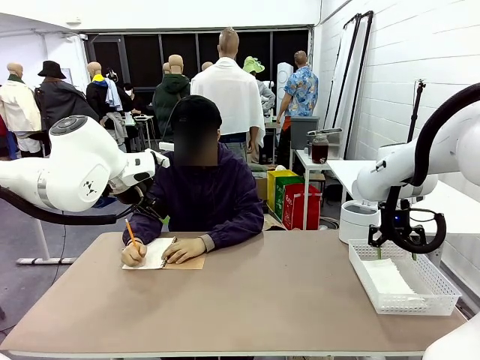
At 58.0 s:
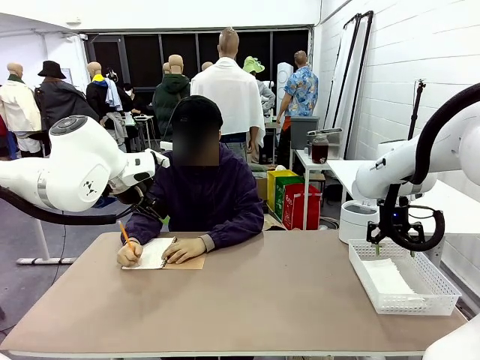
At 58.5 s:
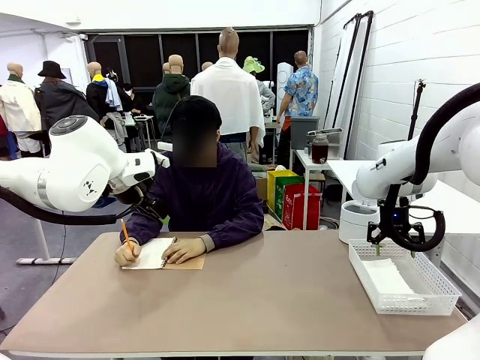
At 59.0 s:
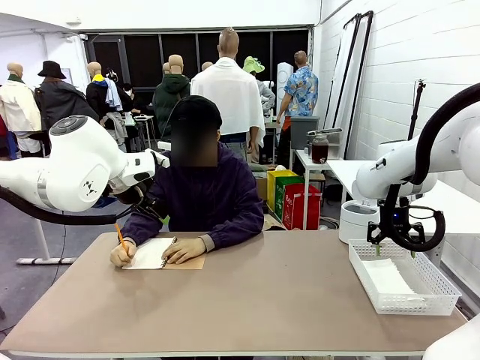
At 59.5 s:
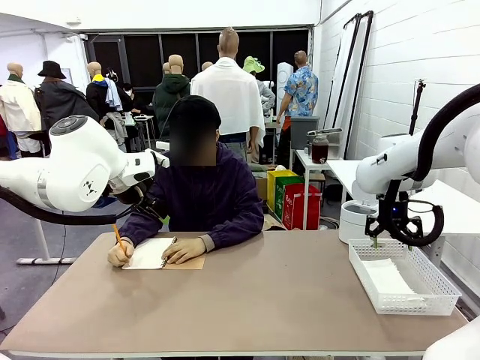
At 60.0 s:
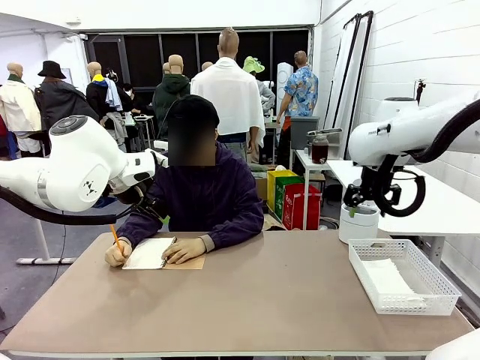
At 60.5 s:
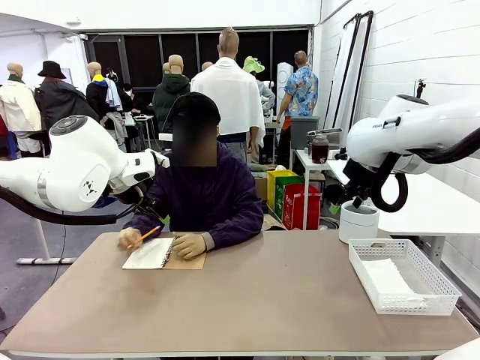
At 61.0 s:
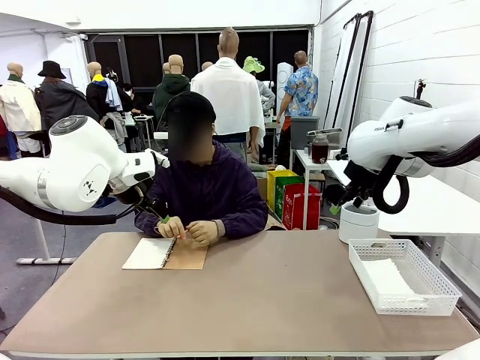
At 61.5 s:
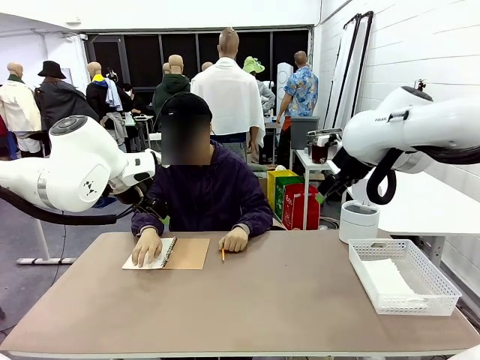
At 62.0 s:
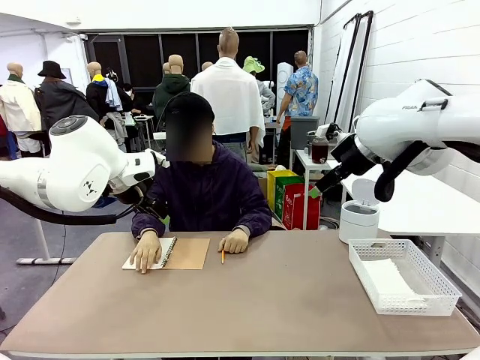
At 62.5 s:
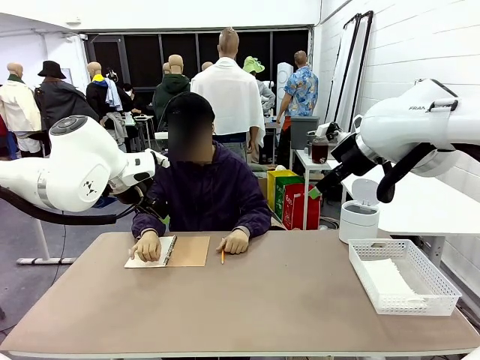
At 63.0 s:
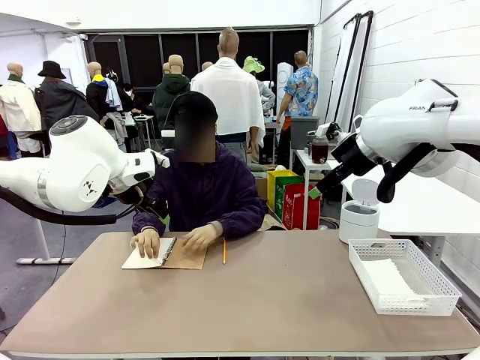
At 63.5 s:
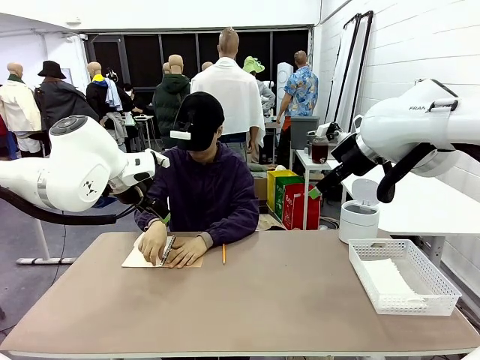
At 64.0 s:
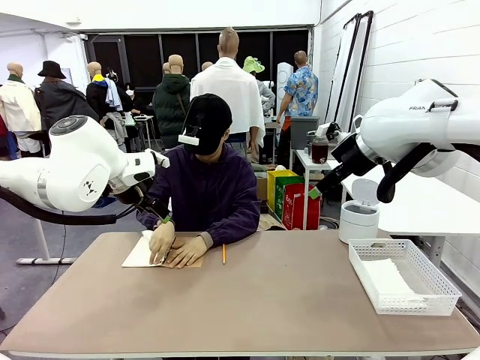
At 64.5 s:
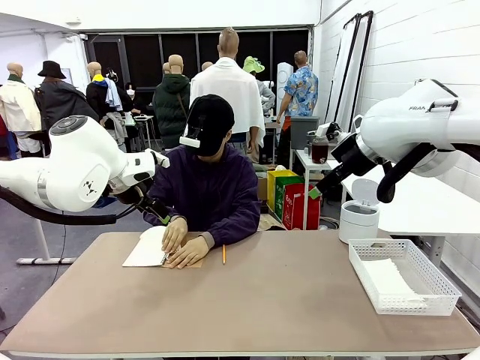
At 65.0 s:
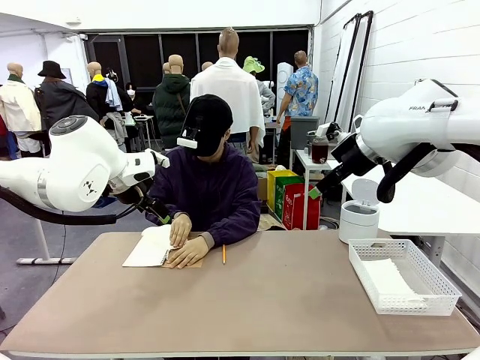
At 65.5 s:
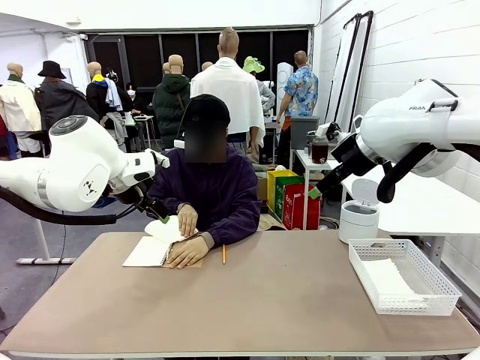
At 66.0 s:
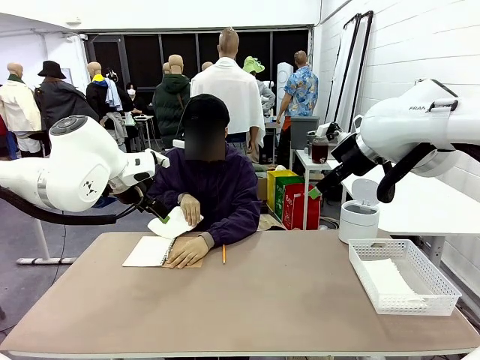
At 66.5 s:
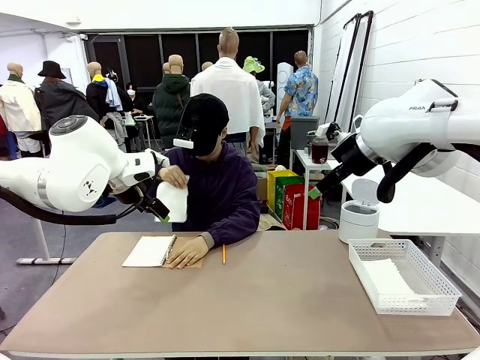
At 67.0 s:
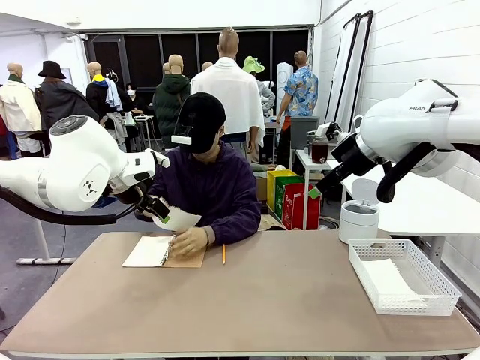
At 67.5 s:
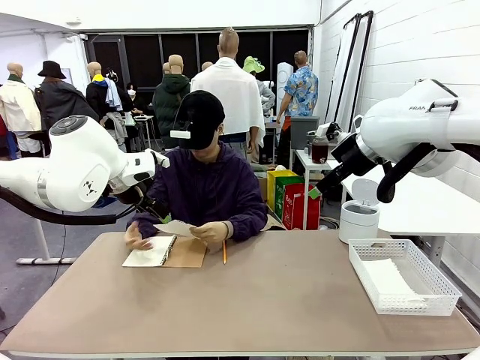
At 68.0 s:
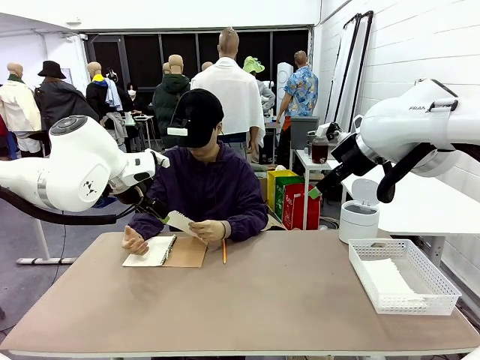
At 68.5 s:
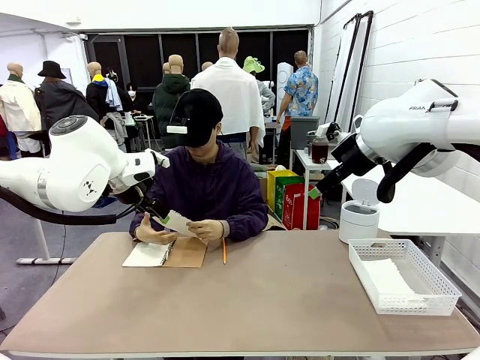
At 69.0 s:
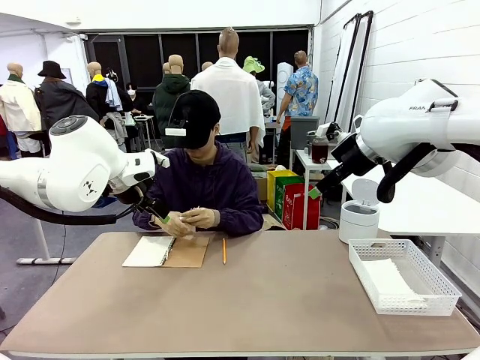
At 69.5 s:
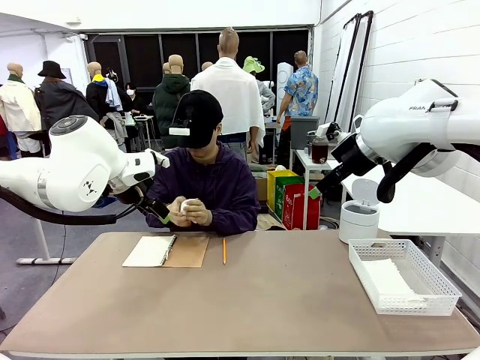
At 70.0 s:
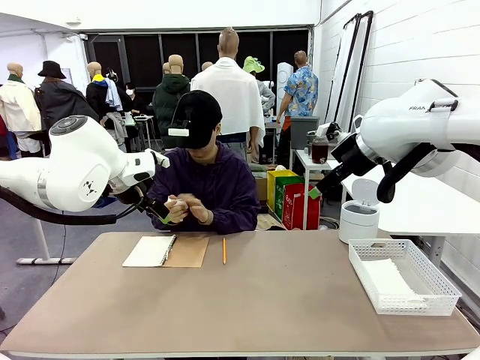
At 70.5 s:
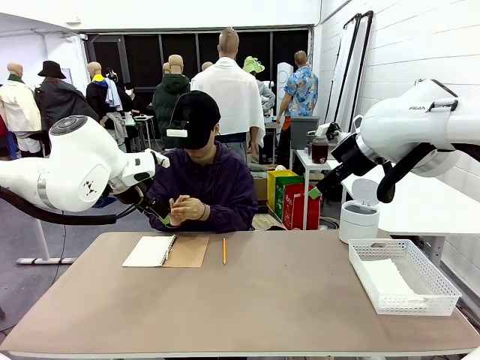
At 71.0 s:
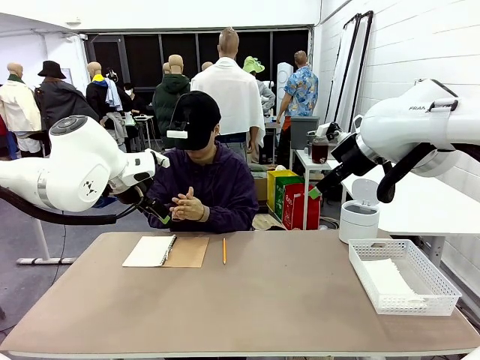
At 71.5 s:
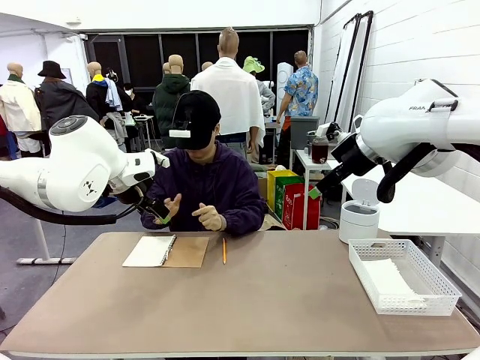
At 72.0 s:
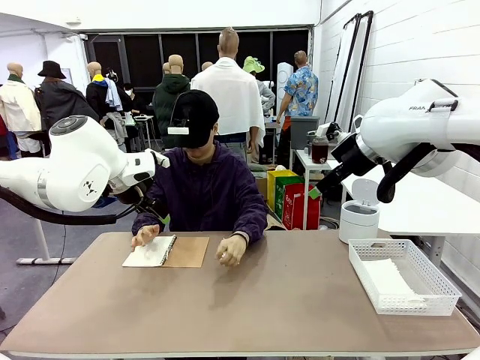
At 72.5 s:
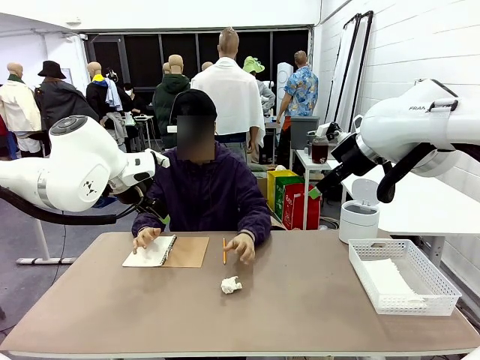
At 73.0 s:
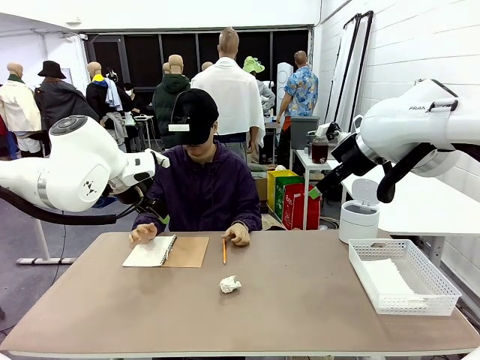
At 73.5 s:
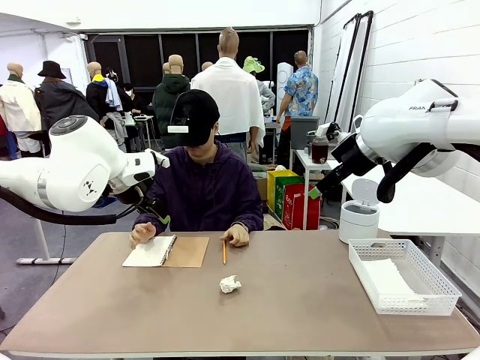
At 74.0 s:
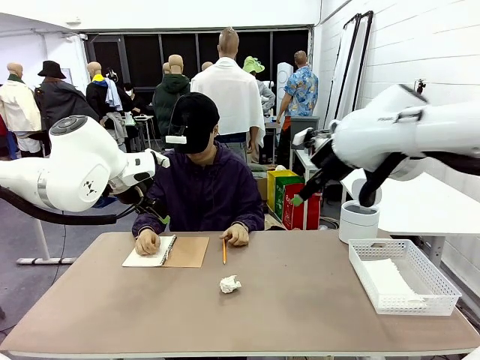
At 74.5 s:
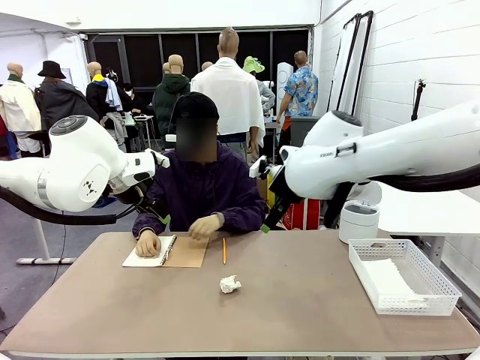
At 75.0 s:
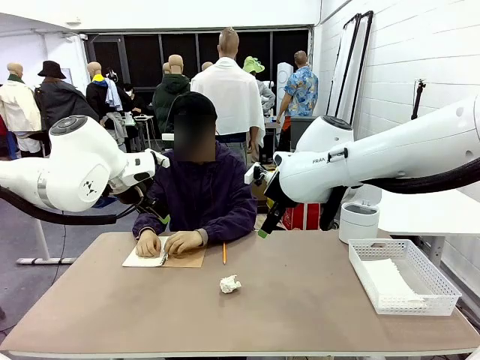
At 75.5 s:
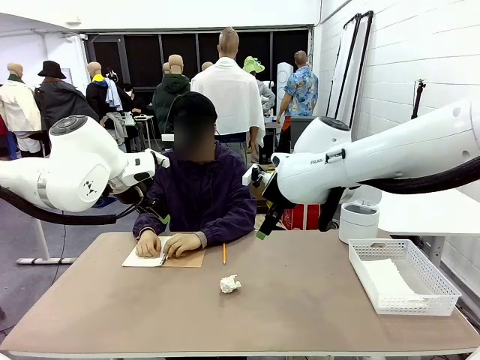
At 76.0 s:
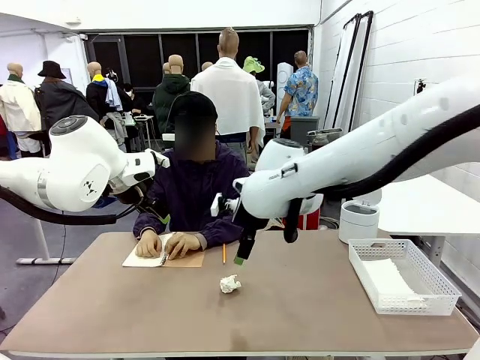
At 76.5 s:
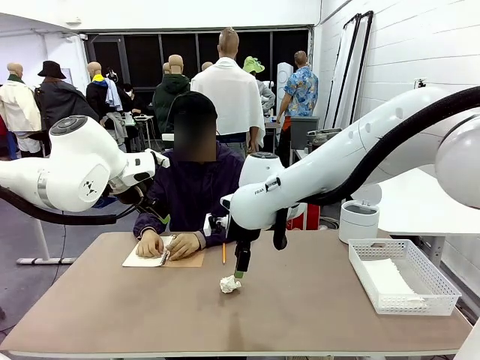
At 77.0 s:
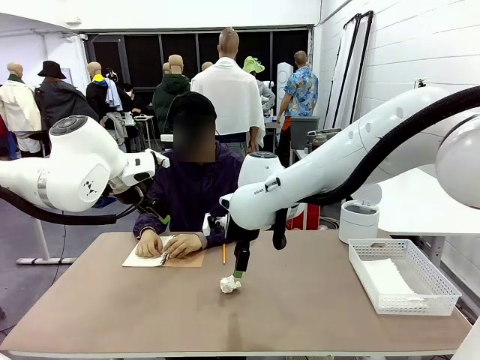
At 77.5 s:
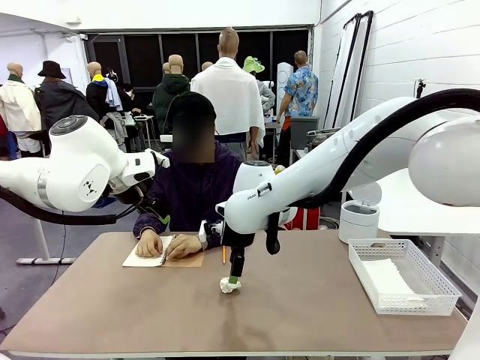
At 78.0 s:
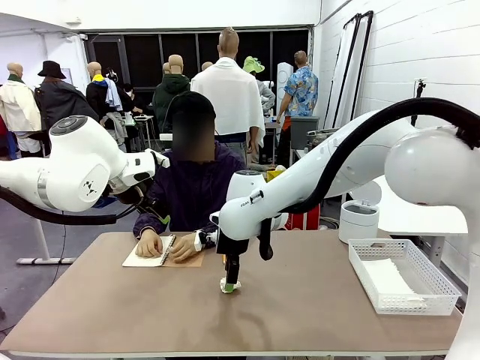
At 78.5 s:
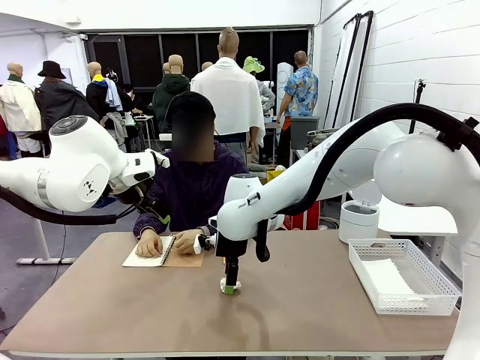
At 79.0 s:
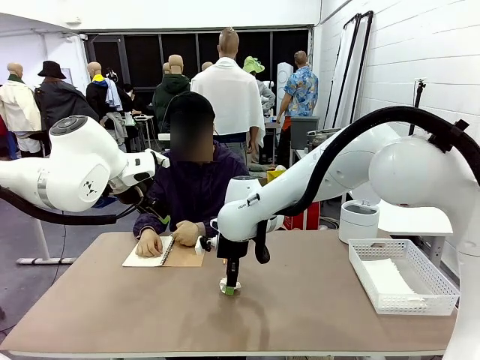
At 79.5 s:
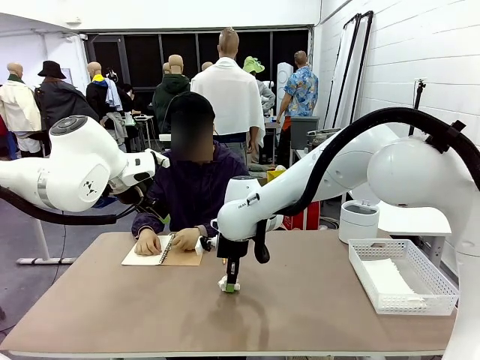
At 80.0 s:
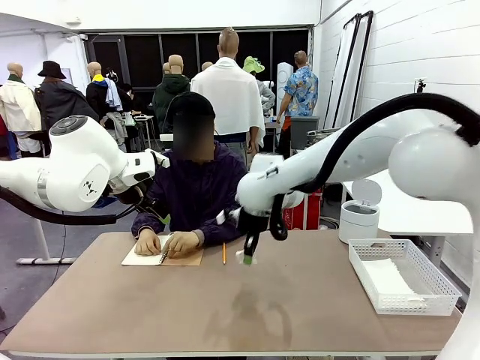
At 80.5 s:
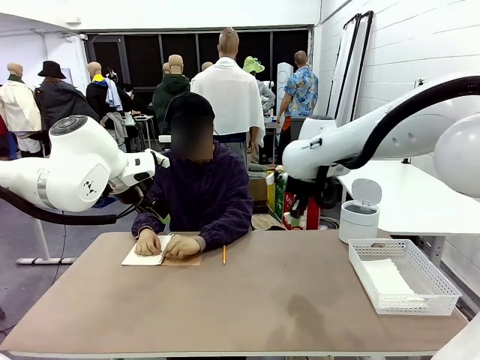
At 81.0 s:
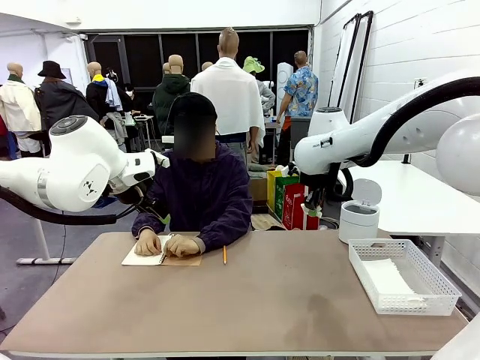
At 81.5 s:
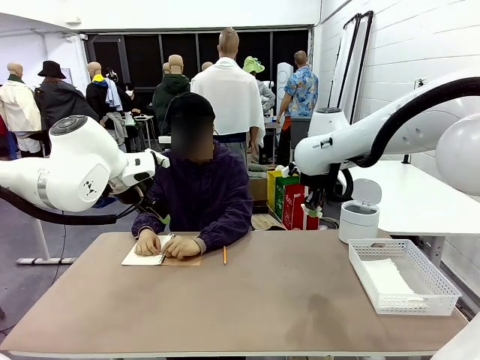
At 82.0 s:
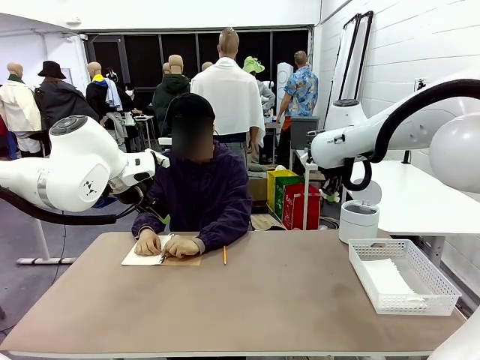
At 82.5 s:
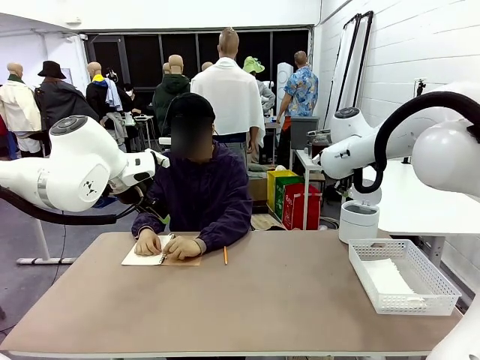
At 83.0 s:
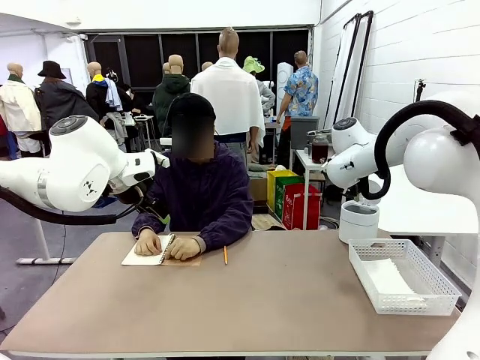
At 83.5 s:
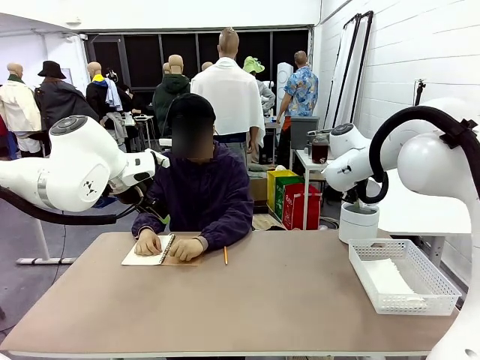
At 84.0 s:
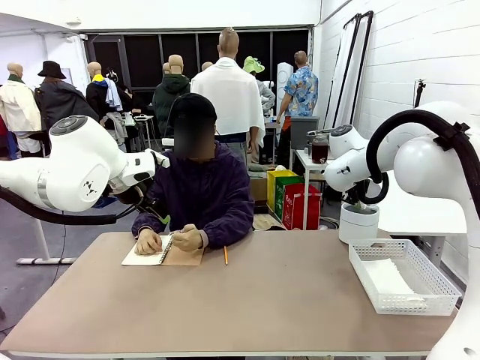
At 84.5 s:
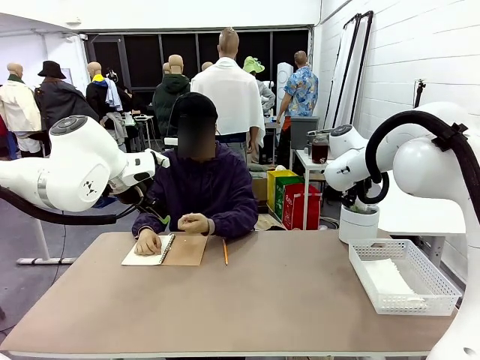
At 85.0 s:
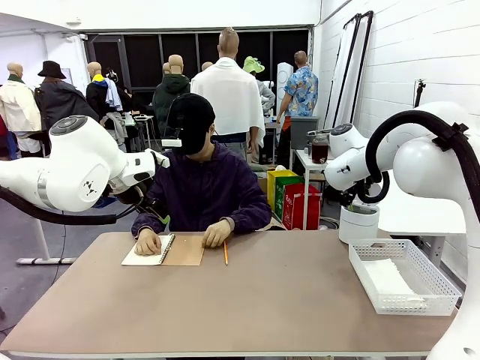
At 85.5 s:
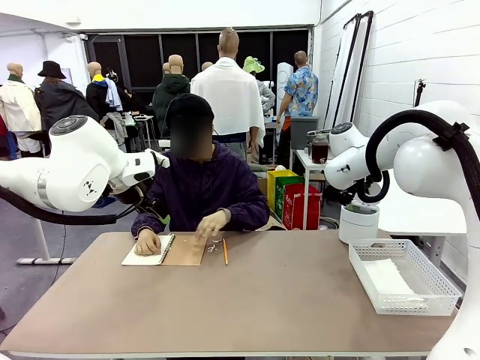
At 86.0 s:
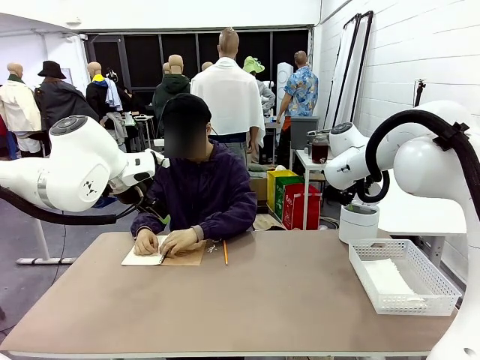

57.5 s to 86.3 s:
Task: Sort the paper based on its condition.
Robot: If a person hands you a paper, place it in the Organizing basket , and if it's crumpled, put it in the Trash can.
Person: Hand the torn page to the robot or crumple it and throw it to the center of the table.
